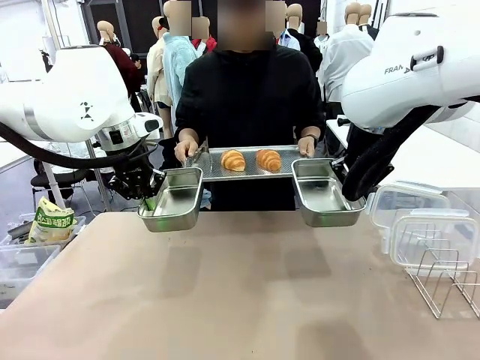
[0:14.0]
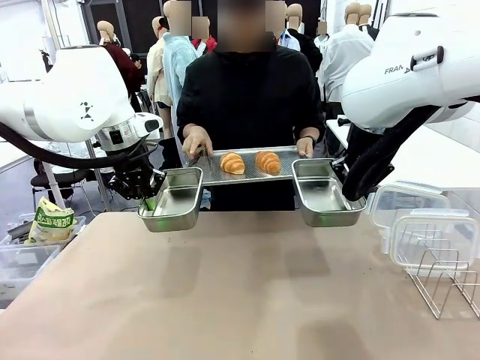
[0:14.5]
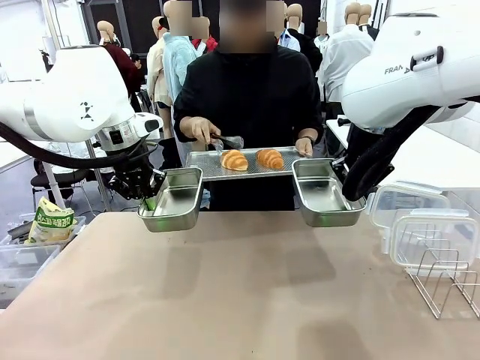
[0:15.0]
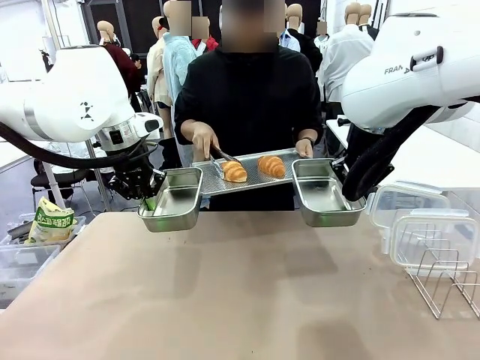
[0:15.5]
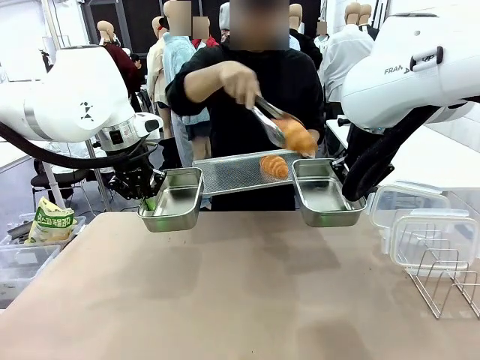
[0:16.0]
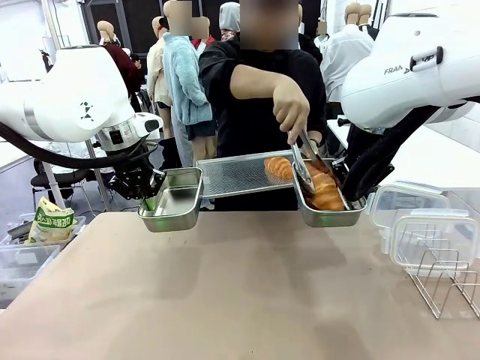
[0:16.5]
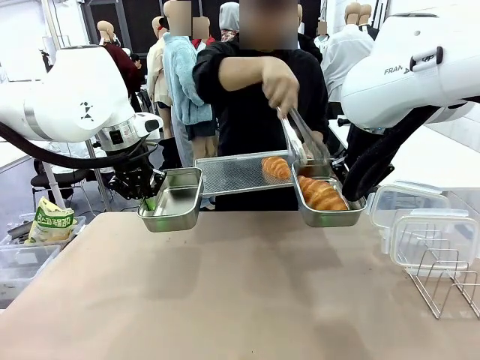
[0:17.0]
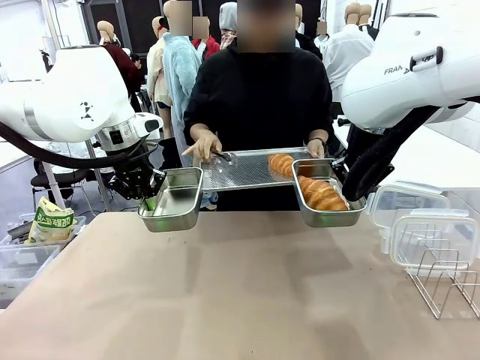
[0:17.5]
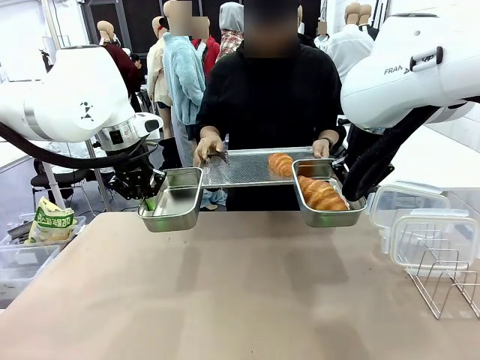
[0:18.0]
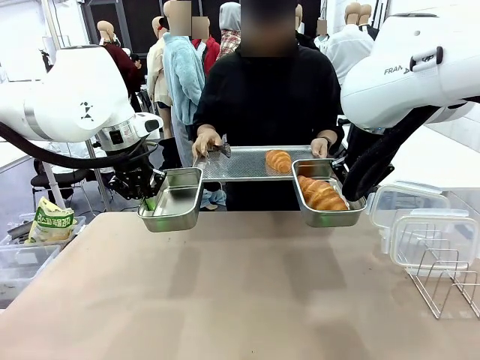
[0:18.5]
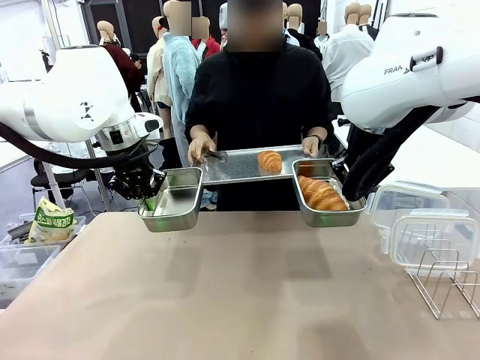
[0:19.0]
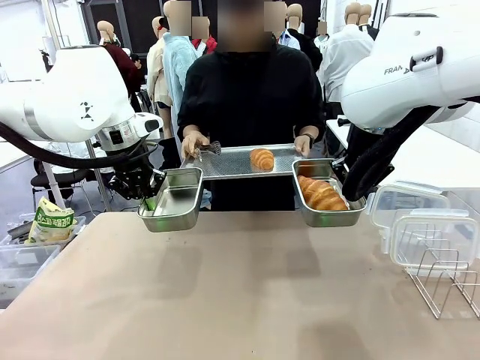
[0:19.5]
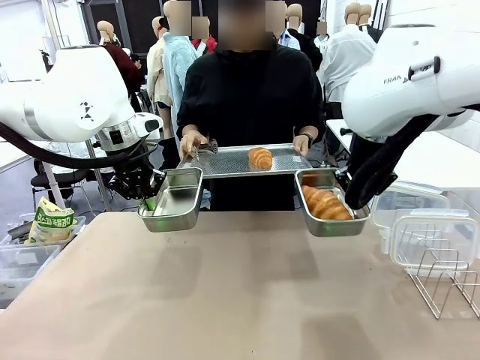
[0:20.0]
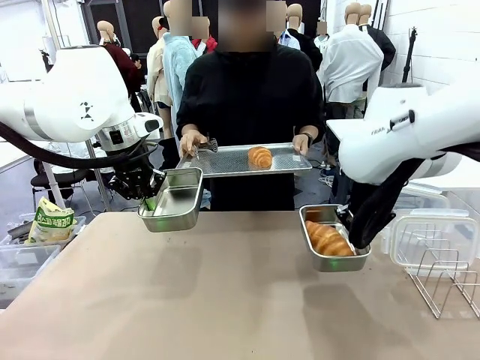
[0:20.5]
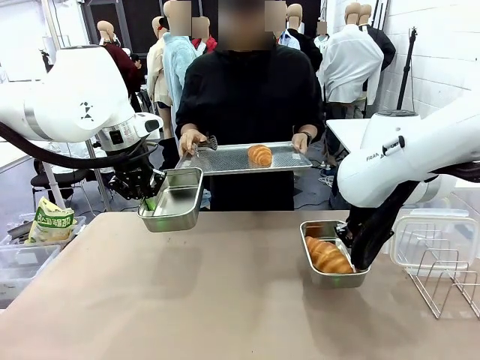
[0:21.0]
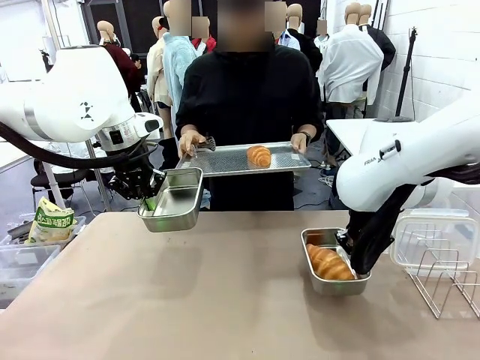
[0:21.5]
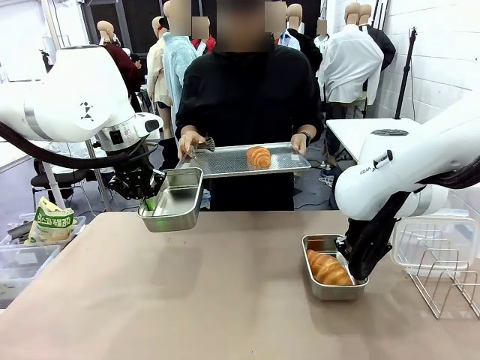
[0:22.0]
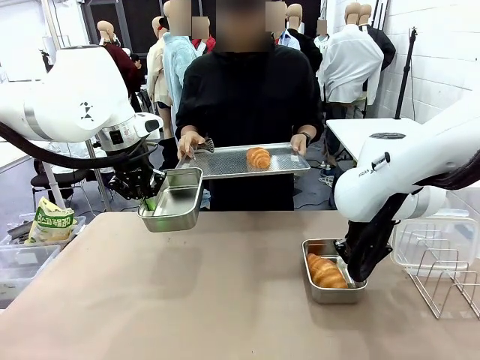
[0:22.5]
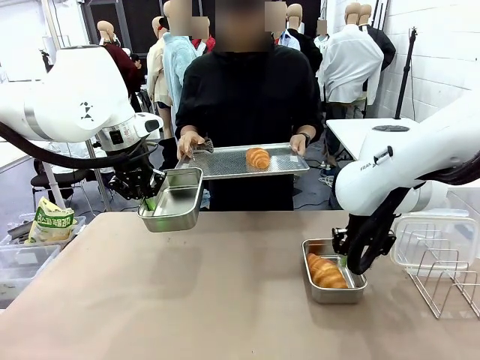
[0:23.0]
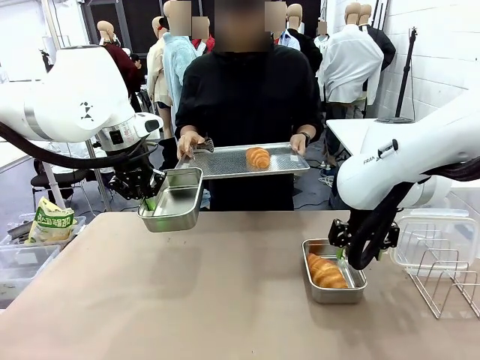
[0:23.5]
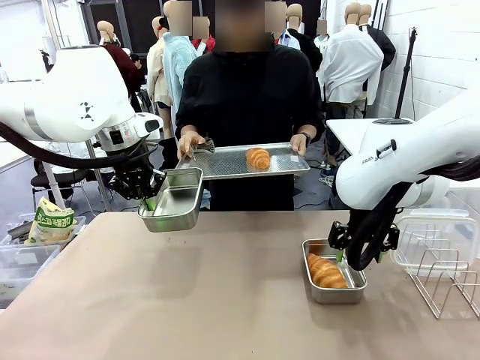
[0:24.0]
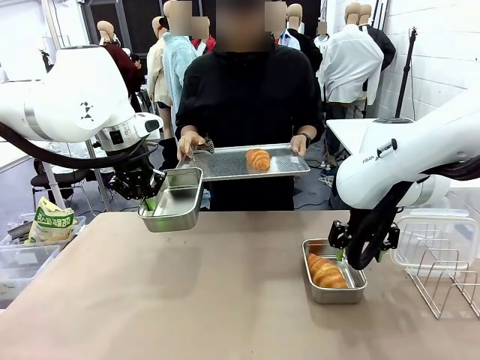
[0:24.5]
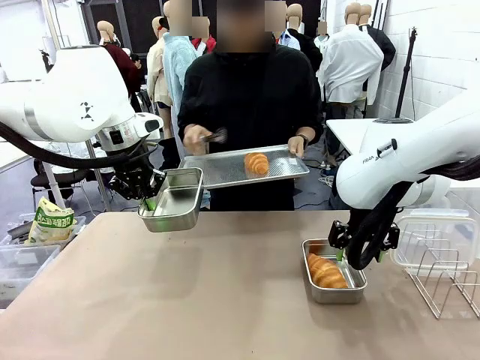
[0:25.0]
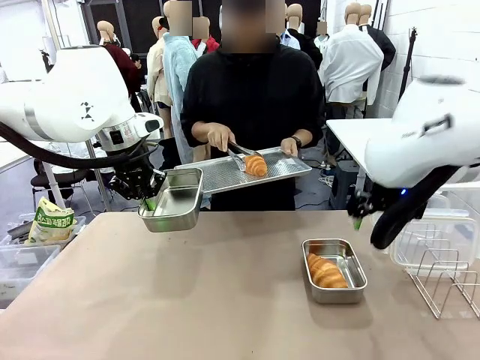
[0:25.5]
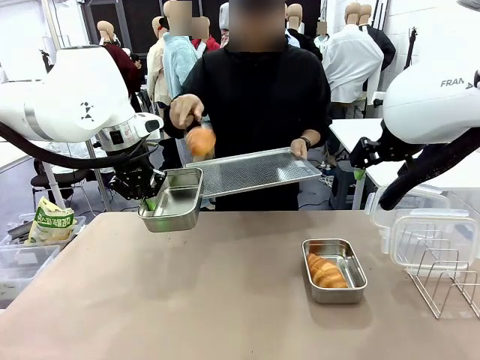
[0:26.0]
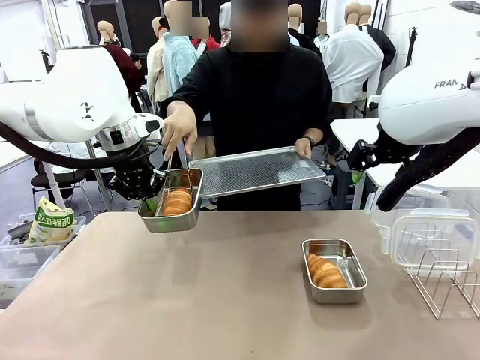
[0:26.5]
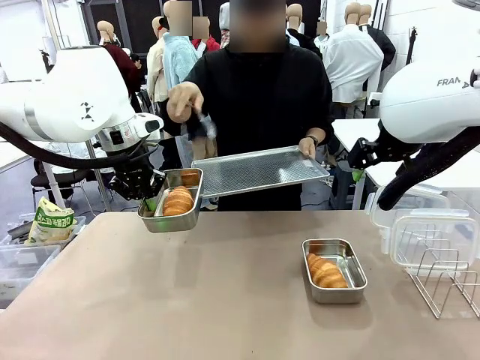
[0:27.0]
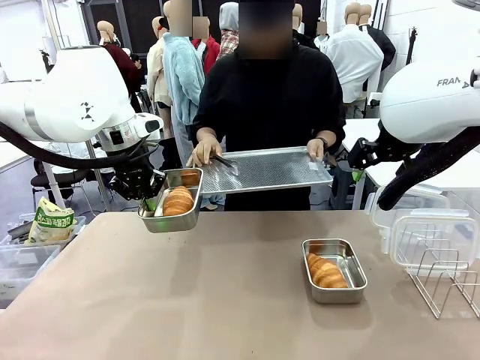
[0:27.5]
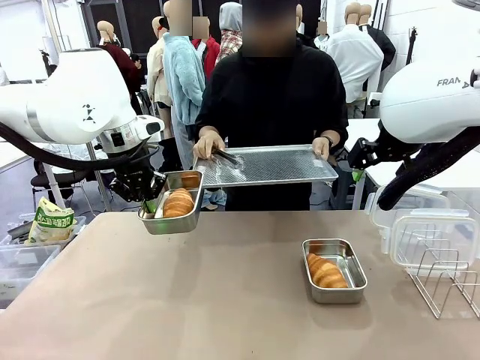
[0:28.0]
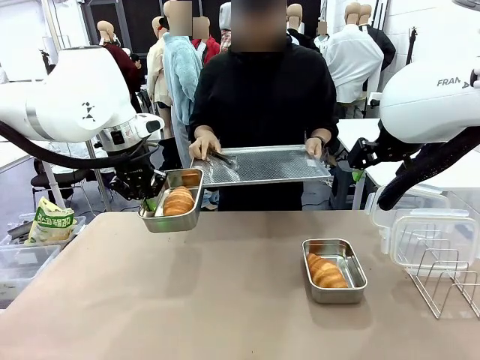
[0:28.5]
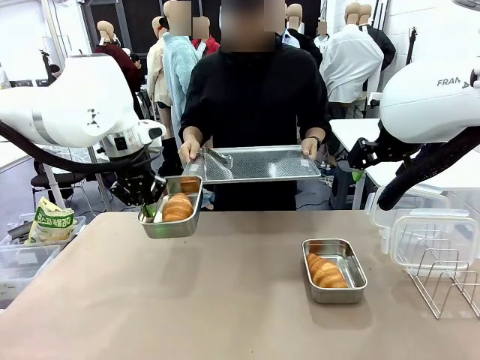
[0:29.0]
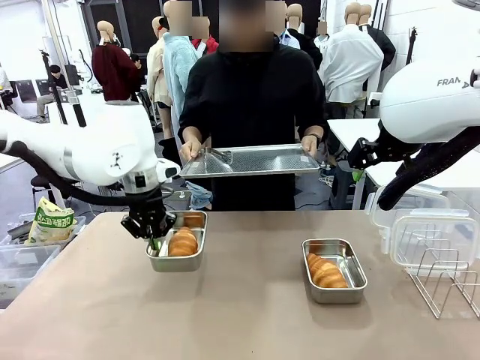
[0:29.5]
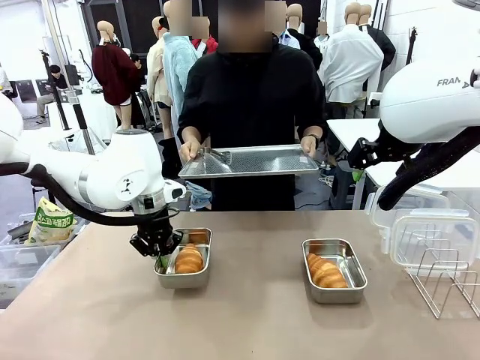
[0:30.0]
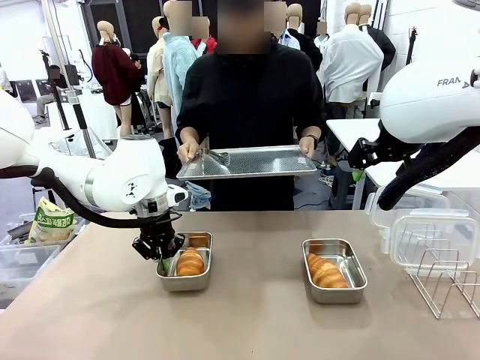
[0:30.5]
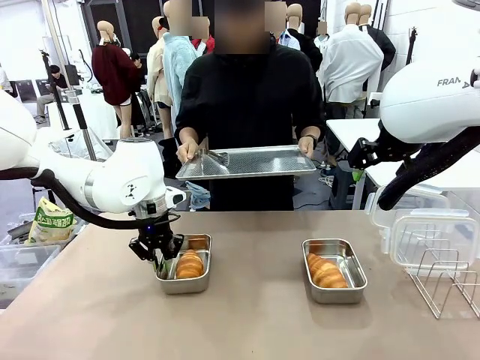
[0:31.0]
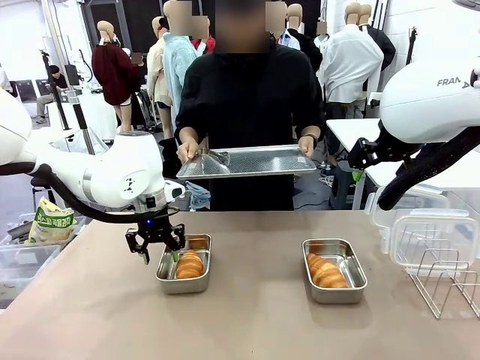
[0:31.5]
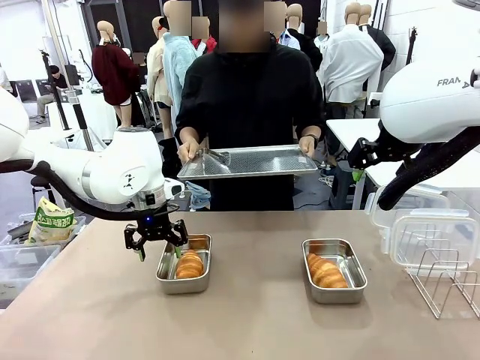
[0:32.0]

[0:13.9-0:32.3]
Task: Place the bread in airtight containers.
Robot: Once an object is inside an Airtight Container , place the container in the center of the table.
Person: Use the Stainless steel tongs to place one object from Baking Sheet into one Airtight Container. Place Baking Sheet on the Human's Table.

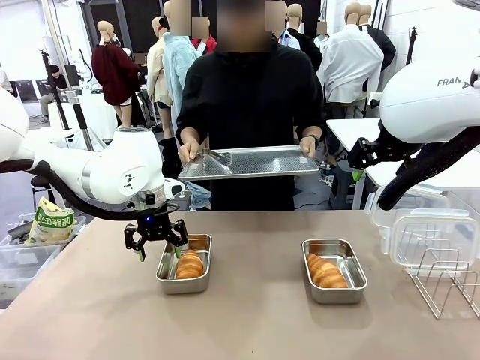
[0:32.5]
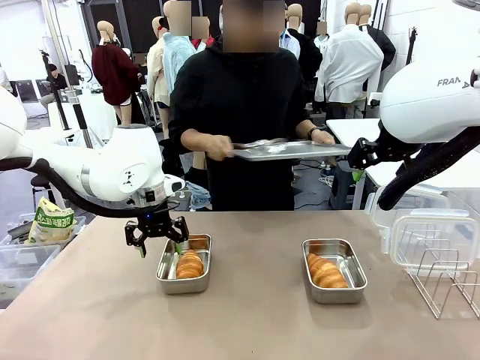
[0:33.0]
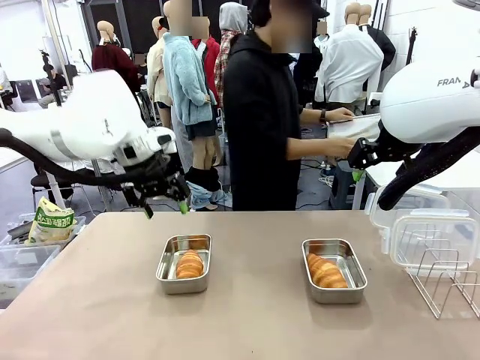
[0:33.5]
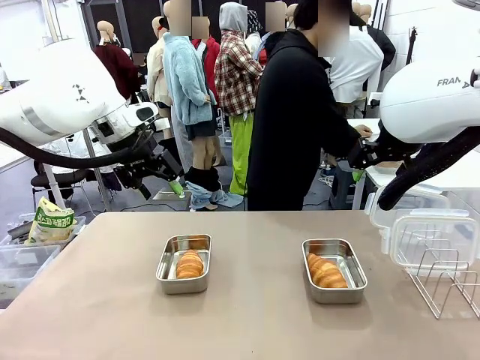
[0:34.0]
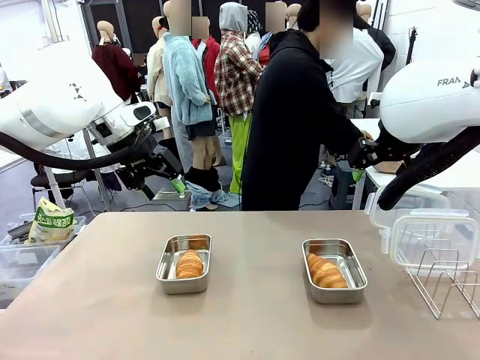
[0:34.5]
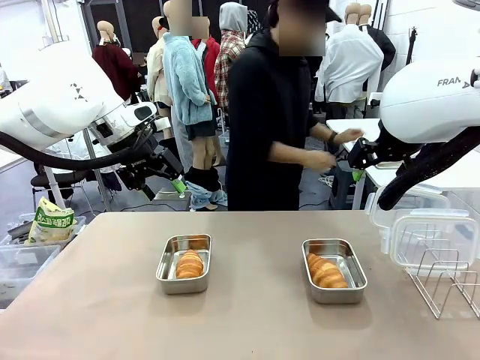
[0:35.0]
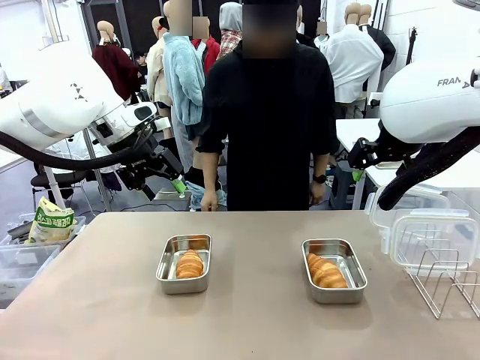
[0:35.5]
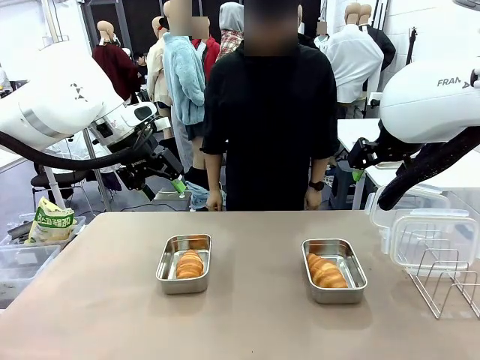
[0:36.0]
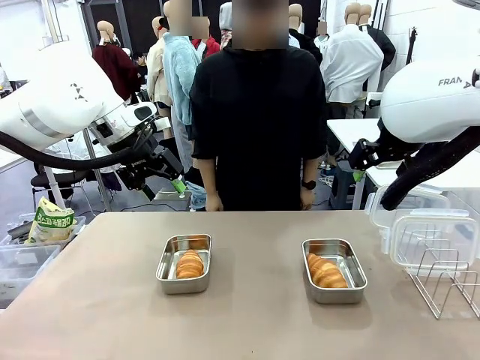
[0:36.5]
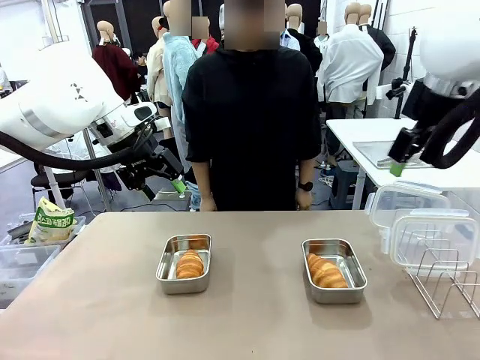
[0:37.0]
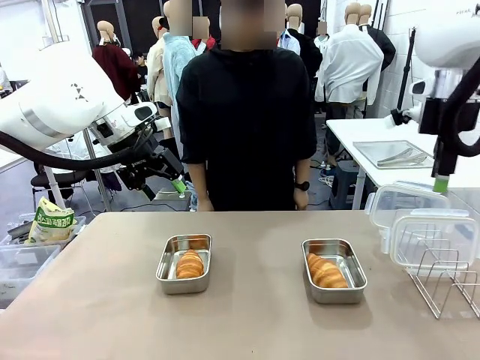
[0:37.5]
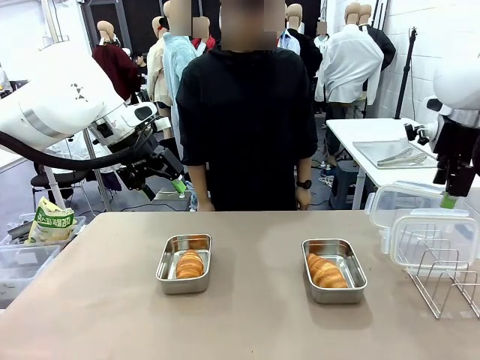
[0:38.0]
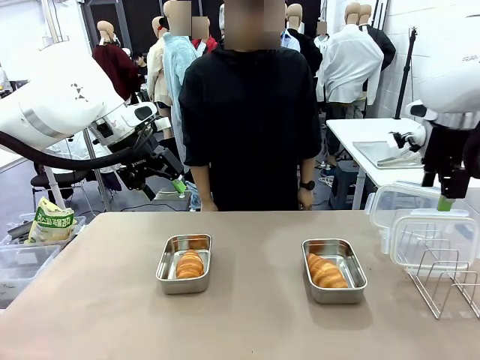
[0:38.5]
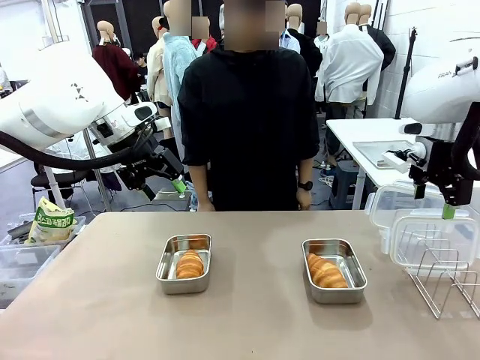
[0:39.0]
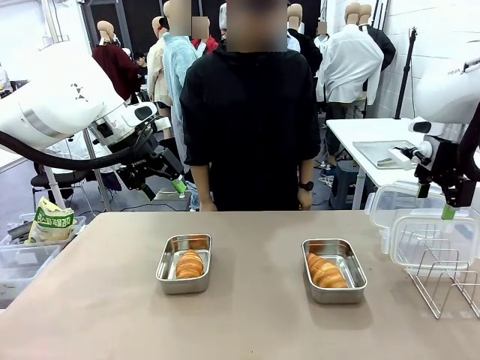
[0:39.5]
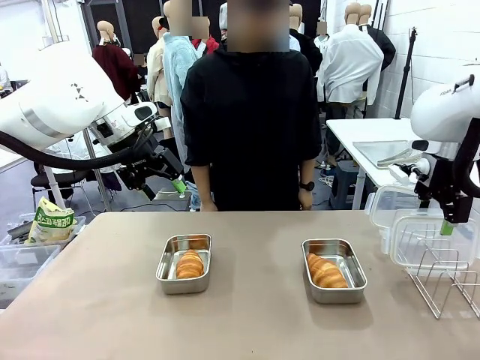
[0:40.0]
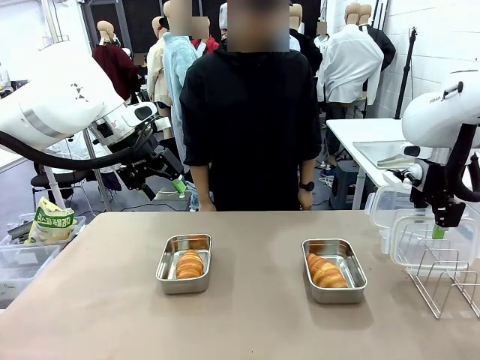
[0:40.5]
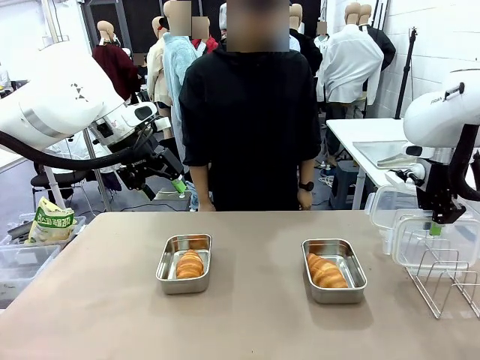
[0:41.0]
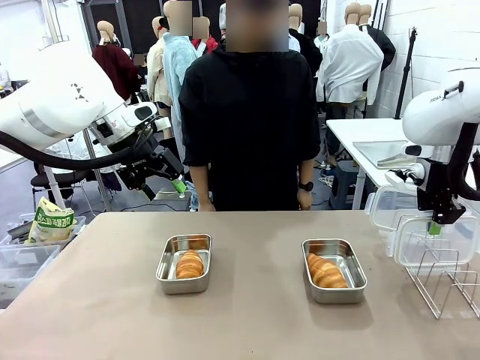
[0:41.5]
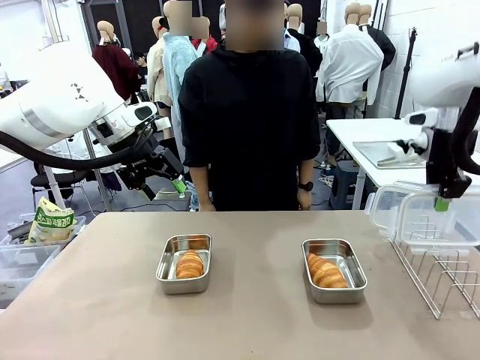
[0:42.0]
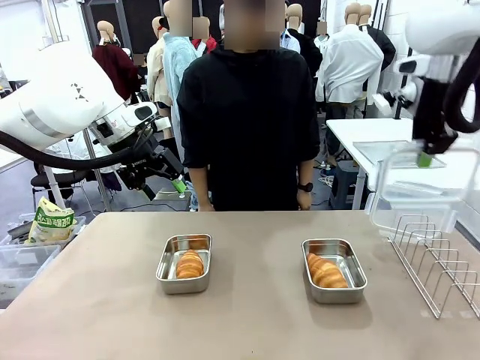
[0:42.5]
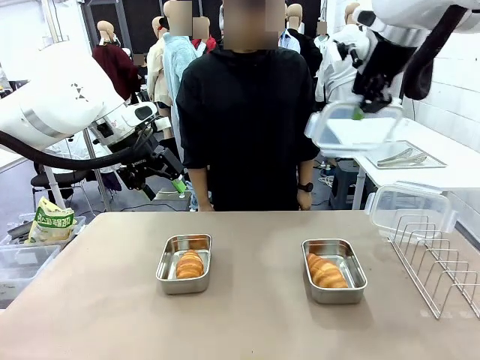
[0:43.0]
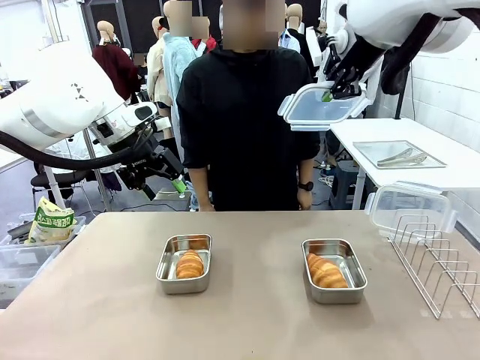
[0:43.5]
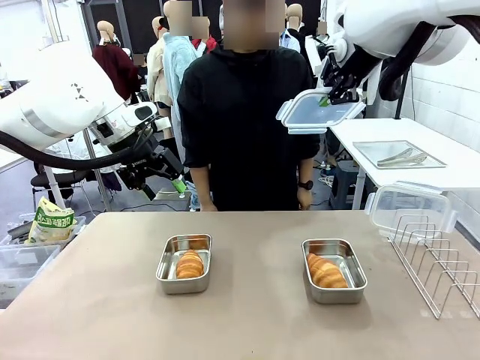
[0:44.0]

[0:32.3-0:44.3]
Robot: Pick up one Airtight Container lid and hand it to the human.
Person: Grip Airtight Container lid that robot is handing.
